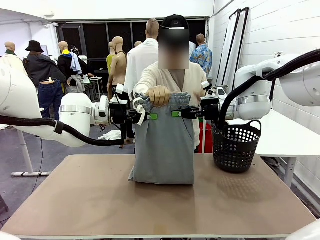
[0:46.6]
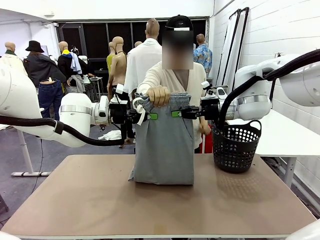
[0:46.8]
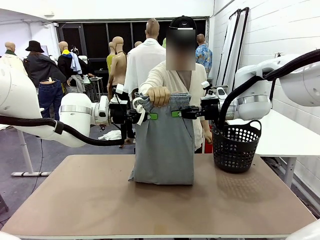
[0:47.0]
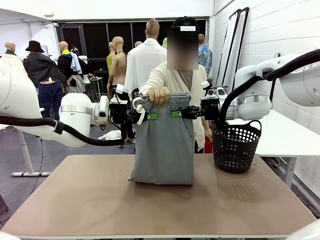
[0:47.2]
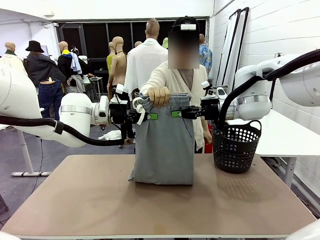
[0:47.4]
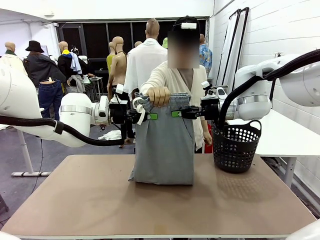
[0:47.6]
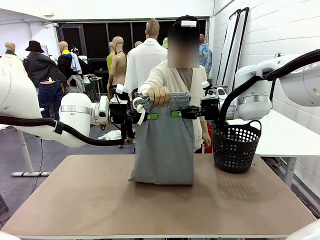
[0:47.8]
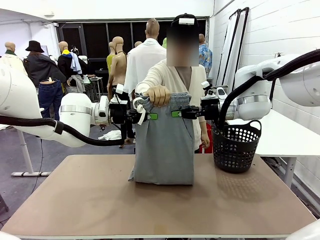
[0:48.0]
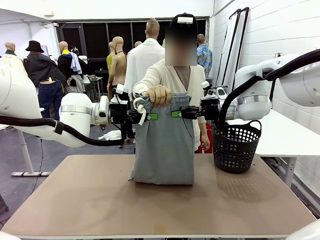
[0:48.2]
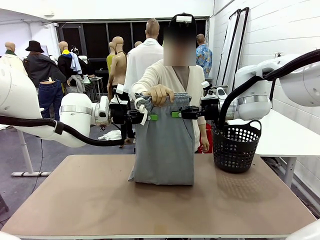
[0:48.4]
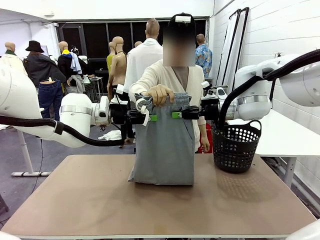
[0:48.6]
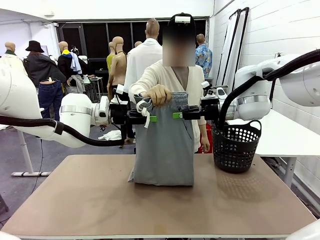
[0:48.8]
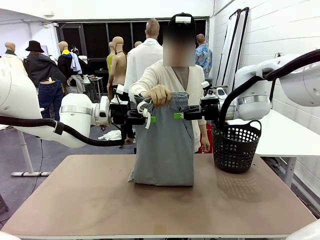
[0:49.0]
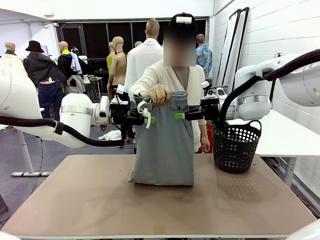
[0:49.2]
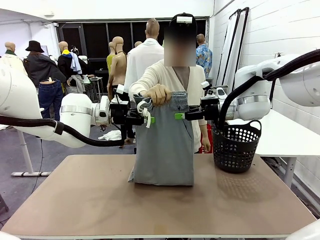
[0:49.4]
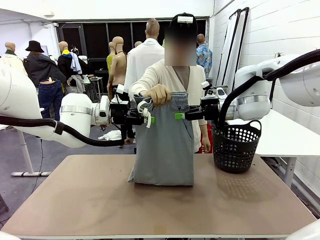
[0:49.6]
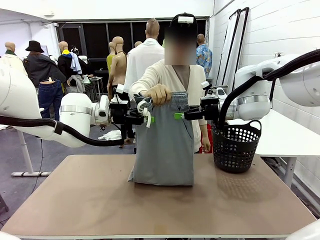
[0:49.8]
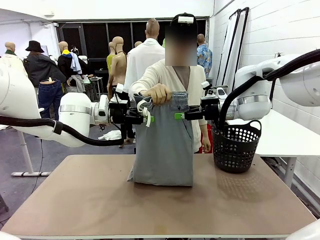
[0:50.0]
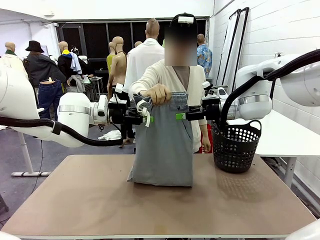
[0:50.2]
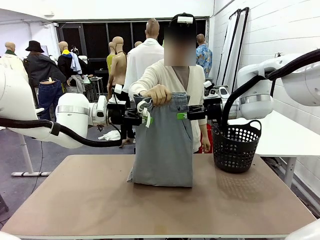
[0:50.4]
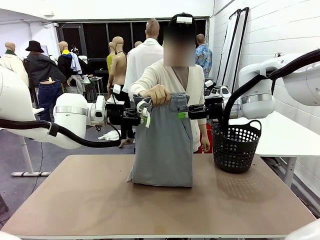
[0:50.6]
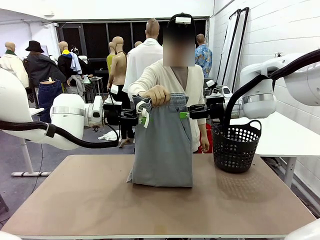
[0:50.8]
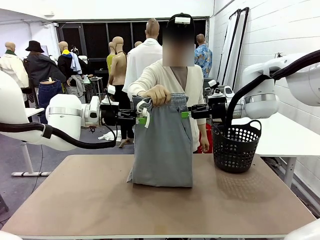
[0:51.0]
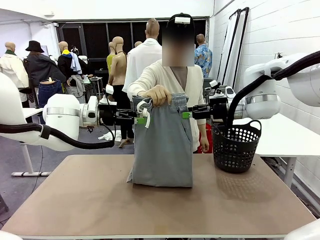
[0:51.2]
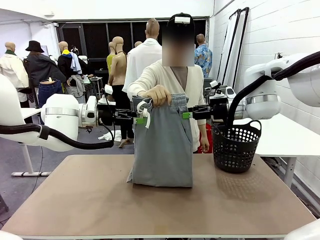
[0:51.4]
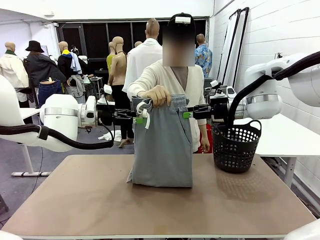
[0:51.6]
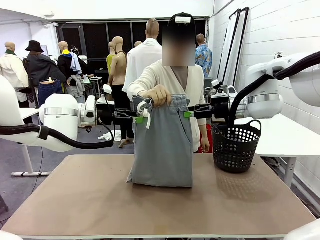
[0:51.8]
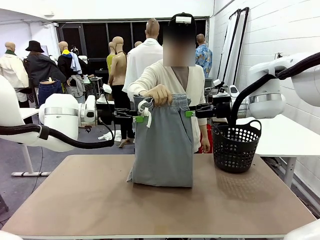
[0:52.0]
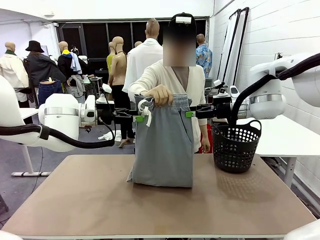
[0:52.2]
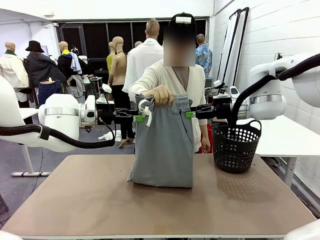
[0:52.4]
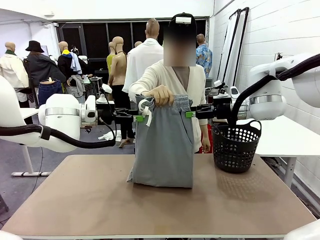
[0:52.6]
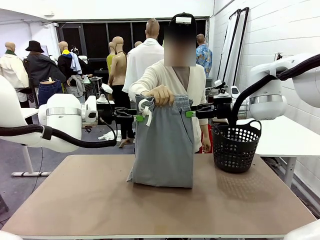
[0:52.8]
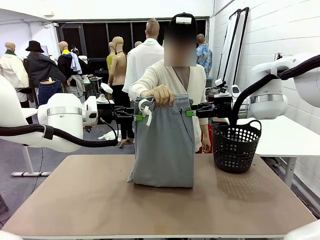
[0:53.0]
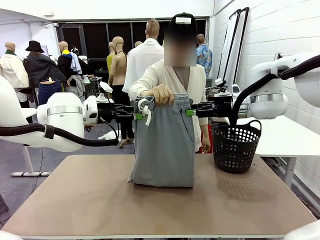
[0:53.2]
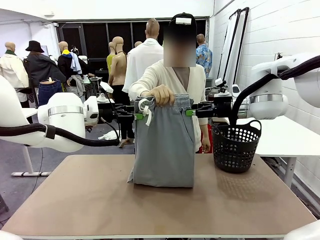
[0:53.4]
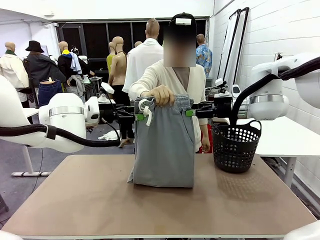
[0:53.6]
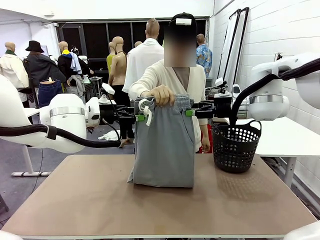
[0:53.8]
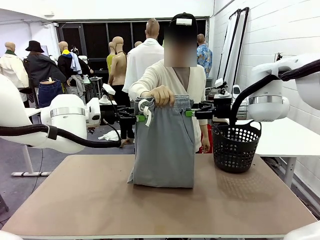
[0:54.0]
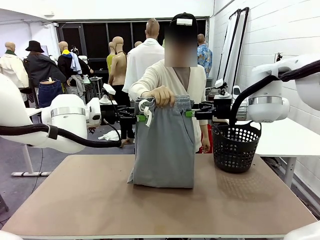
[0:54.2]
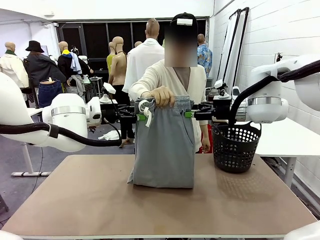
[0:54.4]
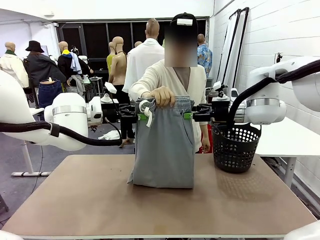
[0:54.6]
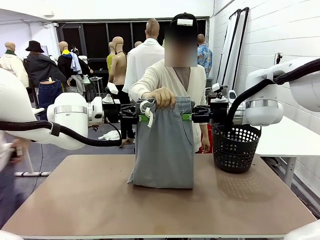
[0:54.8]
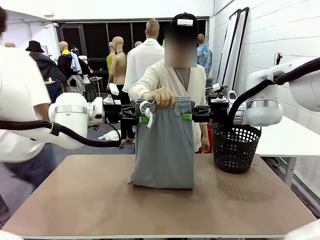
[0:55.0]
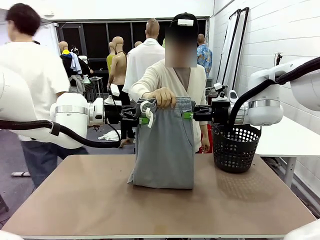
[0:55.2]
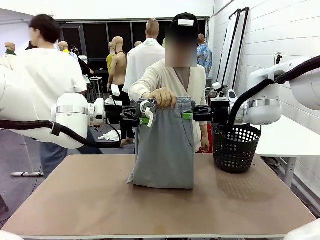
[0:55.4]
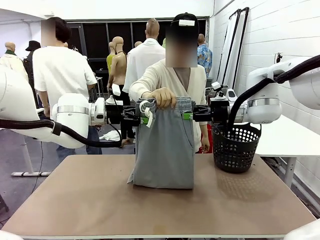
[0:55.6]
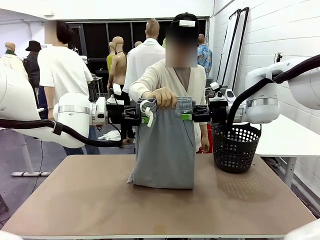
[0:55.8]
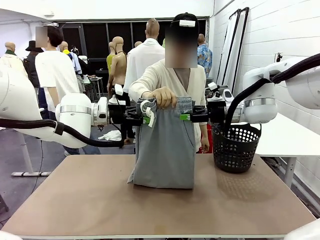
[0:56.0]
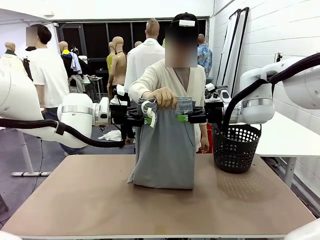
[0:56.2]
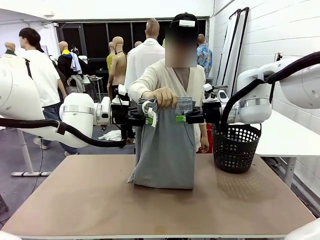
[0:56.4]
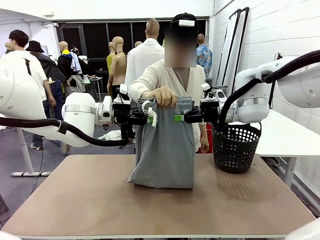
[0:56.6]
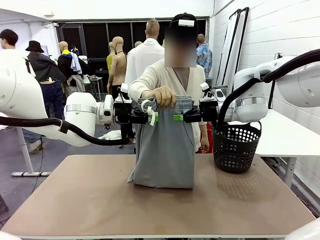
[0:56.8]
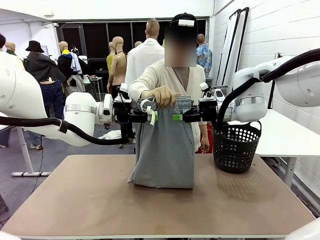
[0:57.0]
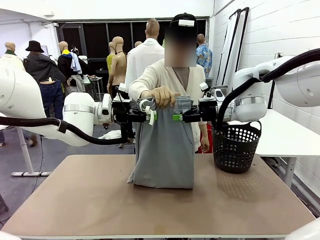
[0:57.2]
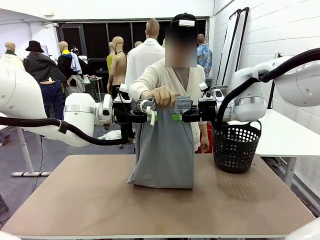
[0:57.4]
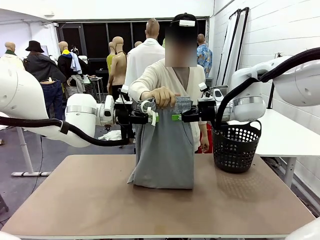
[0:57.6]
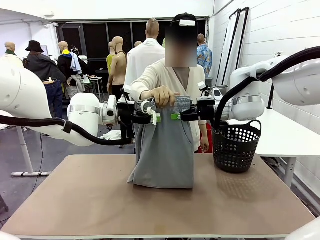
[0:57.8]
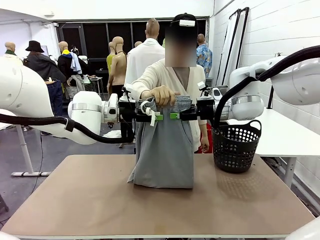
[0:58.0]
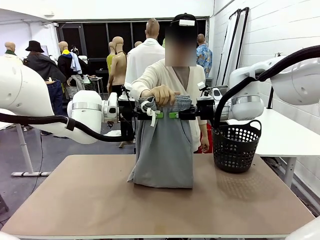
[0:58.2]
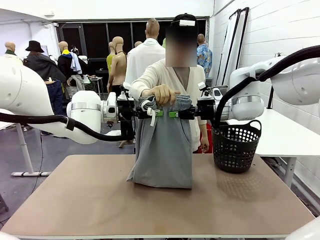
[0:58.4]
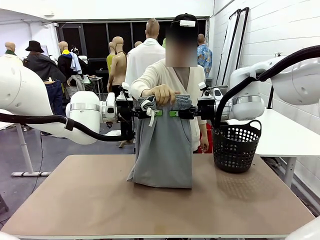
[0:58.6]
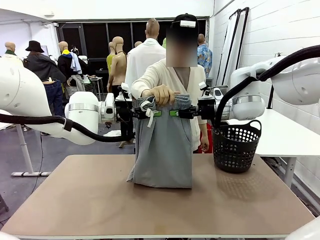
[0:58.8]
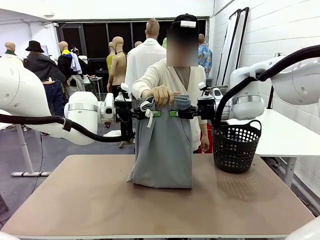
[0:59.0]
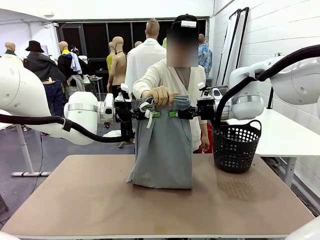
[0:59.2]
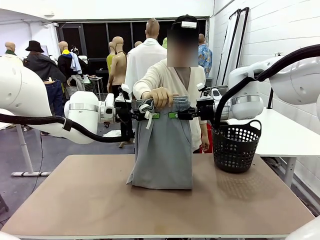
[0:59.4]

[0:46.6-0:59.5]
Task: Fold the training pants.
Robot: Release the ends of the Training pants and then grab the overlapped ends.
Person: Release the pants you were holding.

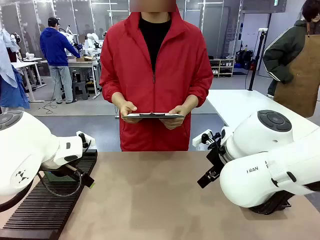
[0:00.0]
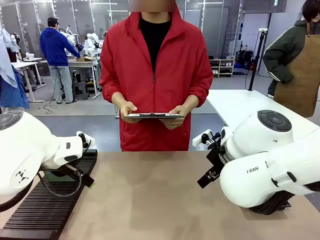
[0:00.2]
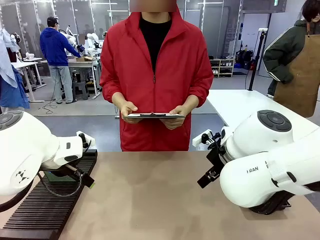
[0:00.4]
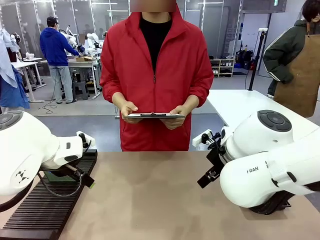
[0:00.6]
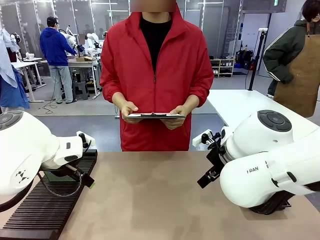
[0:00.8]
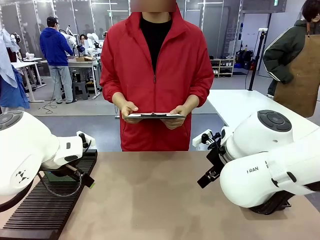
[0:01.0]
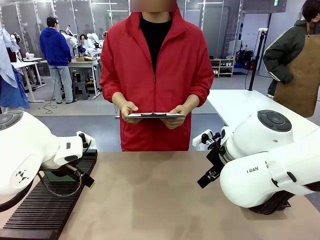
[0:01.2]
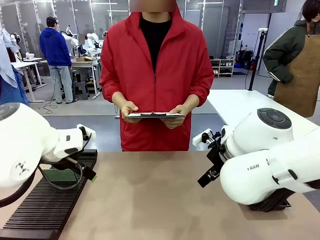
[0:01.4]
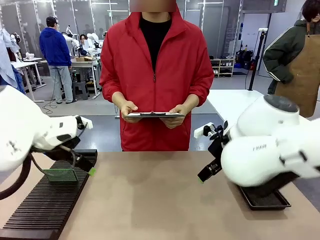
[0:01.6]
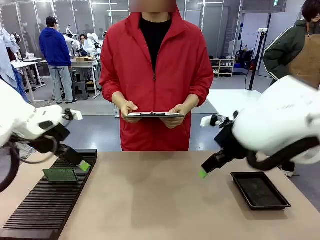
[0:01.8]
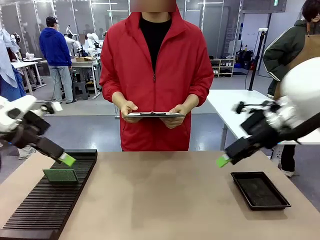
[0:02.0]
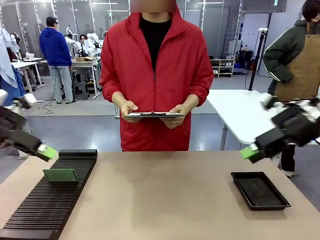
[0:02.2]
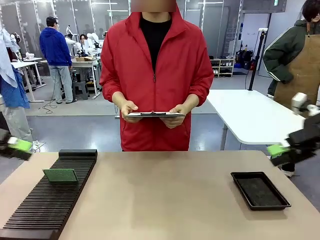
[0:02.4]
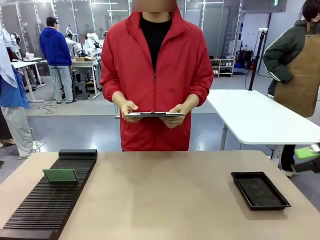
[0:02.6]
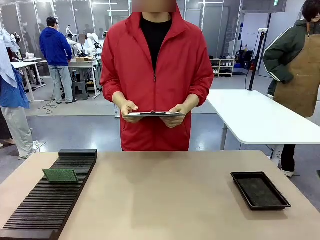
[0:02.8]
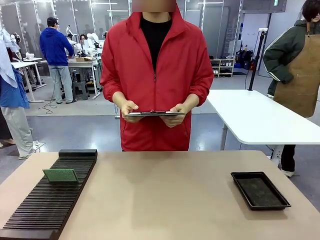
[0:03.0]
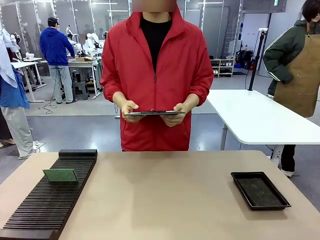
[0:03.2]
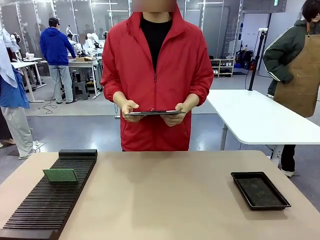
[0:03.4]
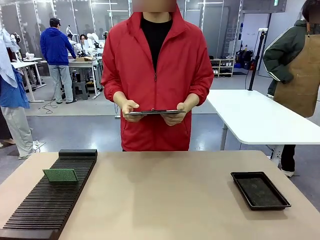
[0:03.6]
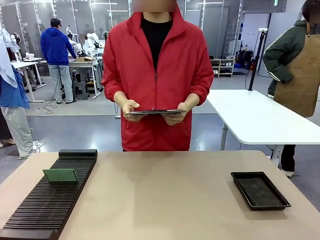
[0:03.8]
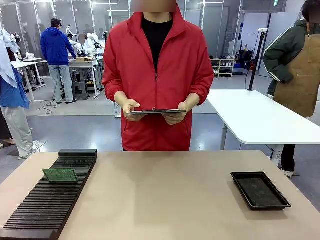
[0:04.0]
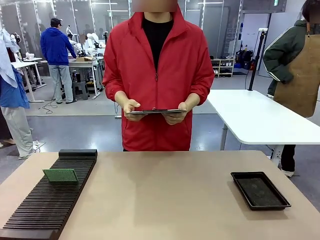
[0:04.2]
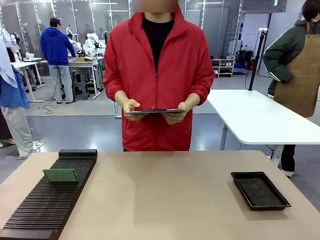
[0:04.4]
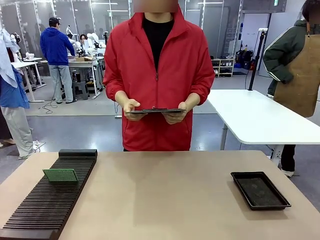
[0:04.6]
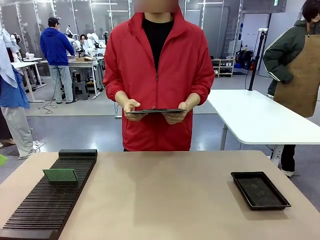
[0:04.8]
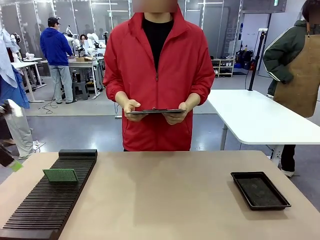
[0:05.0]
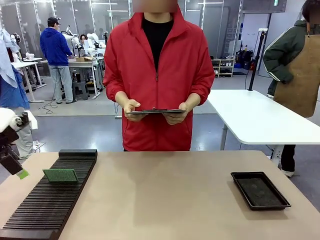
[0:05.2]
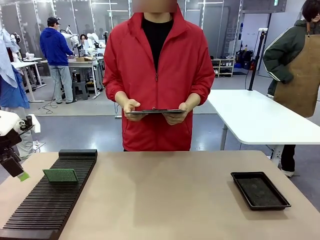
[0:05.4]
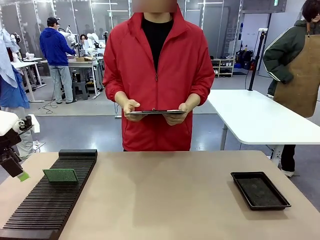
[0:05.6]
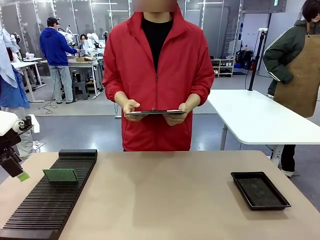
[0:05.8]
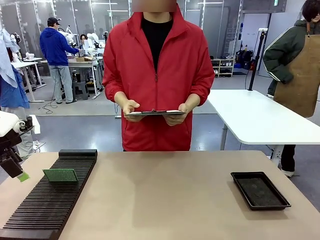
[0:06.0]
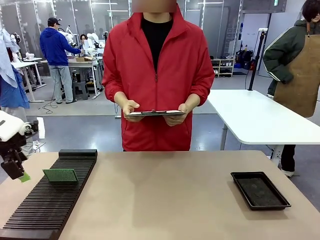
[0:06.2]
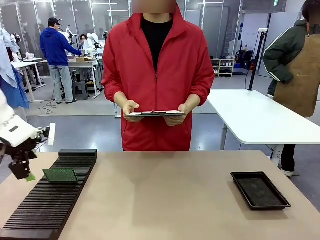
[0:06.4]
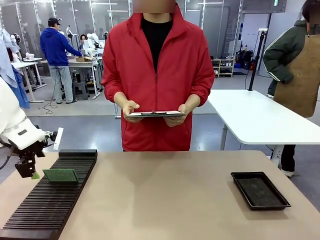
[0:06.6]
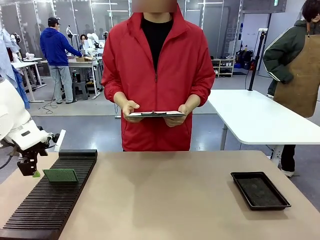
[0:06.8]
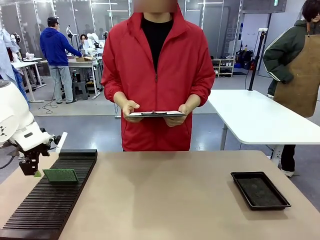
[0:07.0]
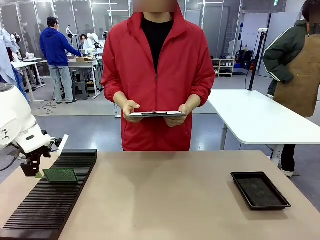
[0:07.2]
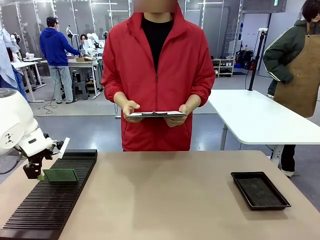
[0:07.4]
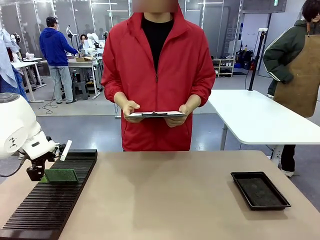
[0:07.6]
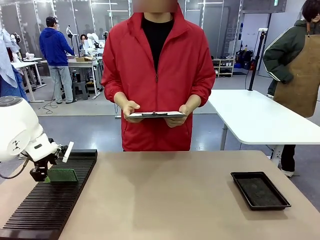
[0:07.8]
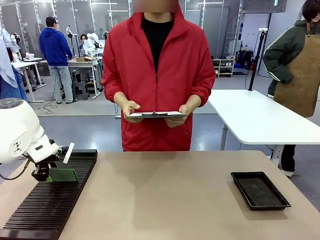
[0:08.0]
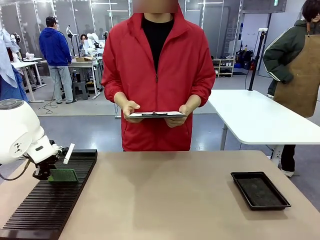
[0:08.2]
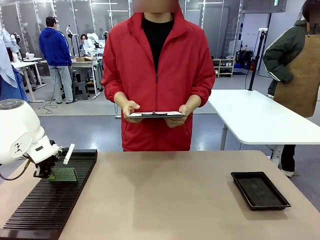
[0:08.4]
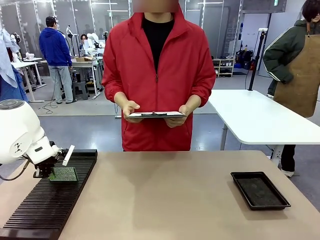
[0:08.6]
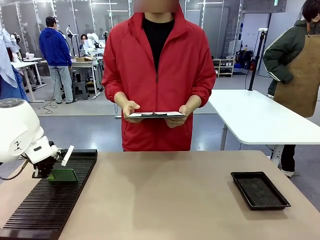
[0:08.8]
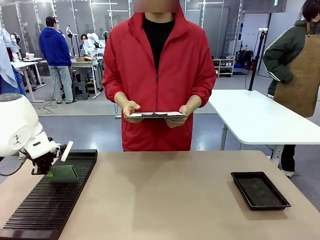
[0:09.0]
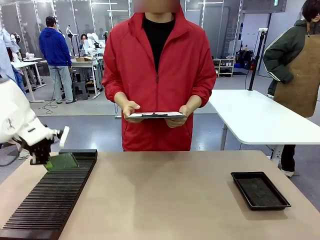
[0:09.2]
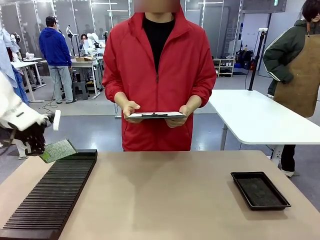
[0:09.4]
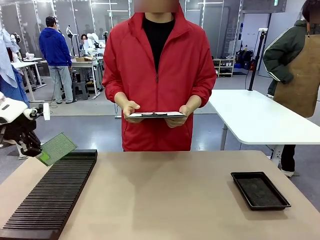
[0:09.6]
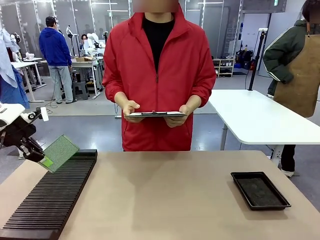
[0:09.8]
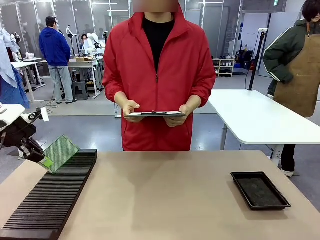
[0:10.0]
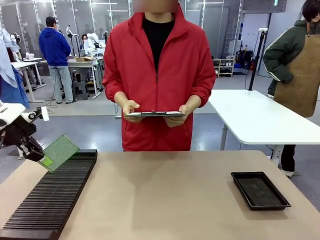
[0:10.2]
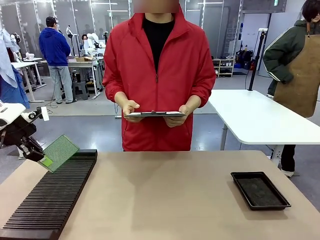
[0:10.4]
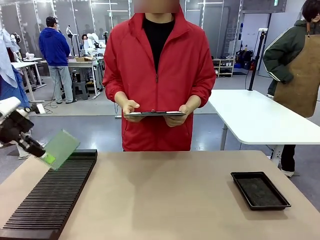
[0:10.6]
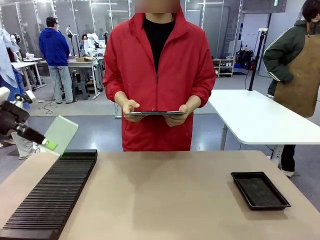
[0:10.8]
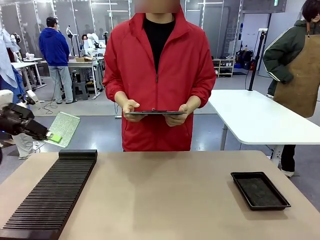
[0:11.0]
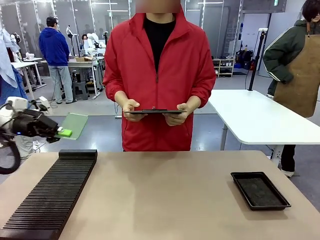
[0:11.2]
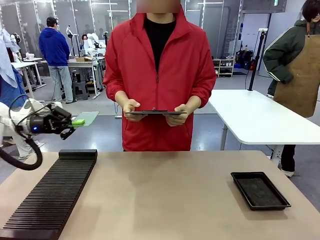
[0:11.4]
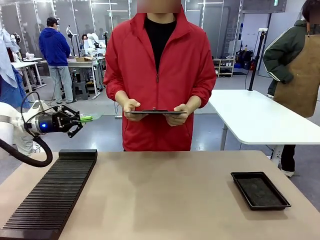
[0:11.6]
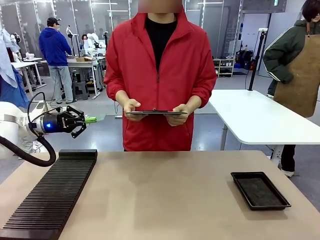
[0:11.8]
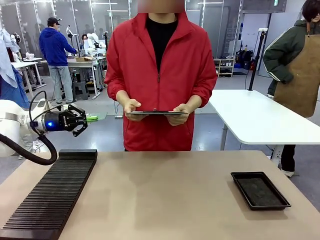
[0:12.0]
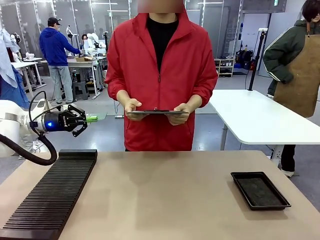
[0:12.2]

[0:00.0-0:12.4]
Task: Inspect the PCB.
Robot: Pick up the Blank PCB and present it to the human.
Person: Pick up the PCB presented by the robot.
